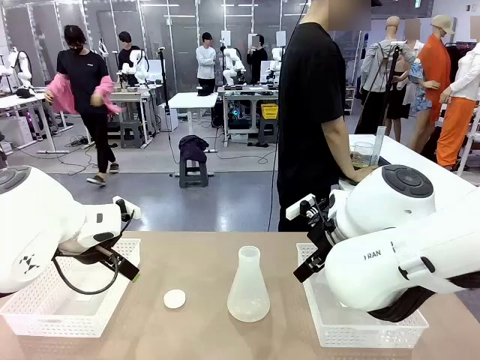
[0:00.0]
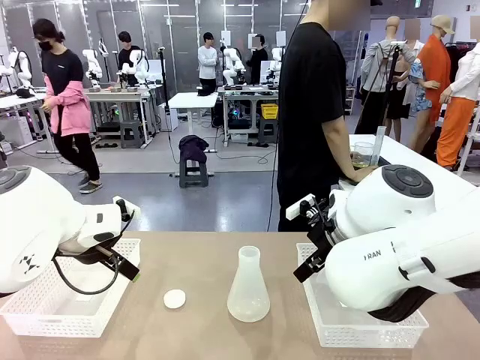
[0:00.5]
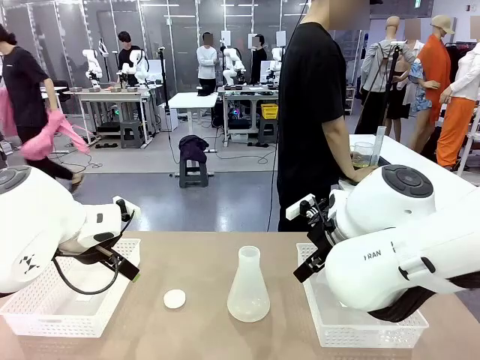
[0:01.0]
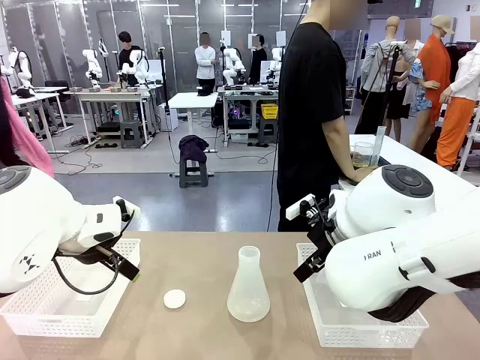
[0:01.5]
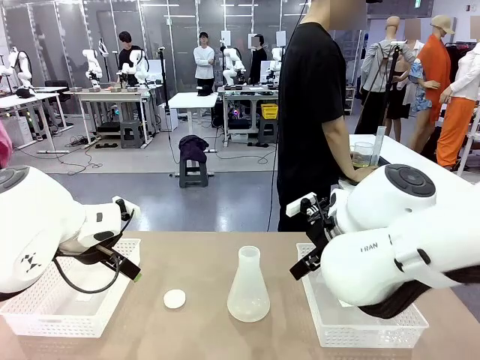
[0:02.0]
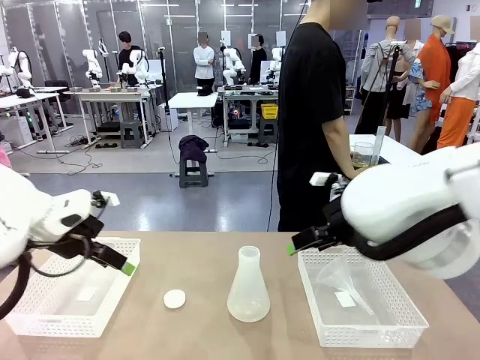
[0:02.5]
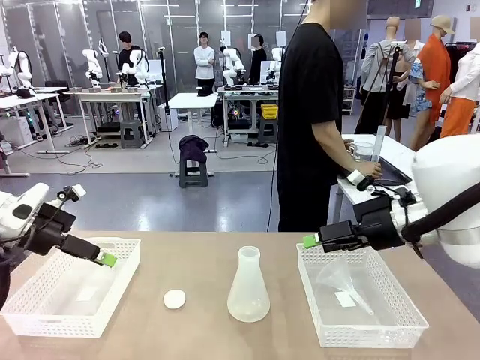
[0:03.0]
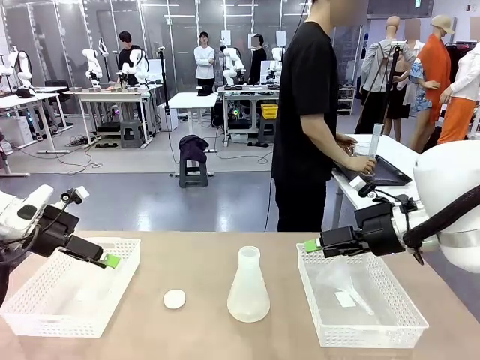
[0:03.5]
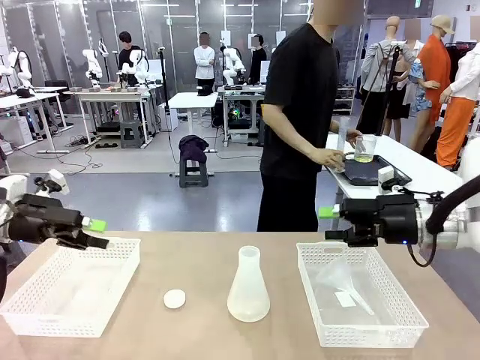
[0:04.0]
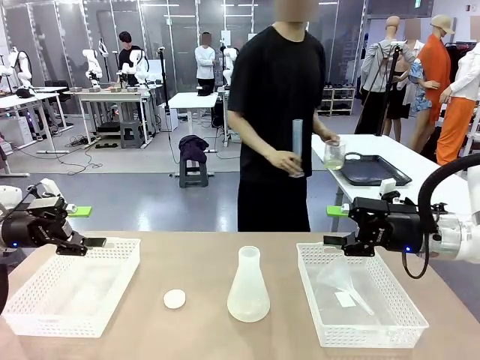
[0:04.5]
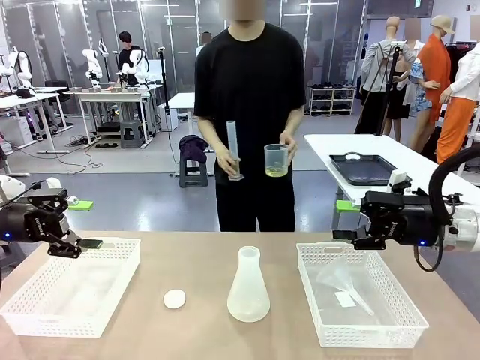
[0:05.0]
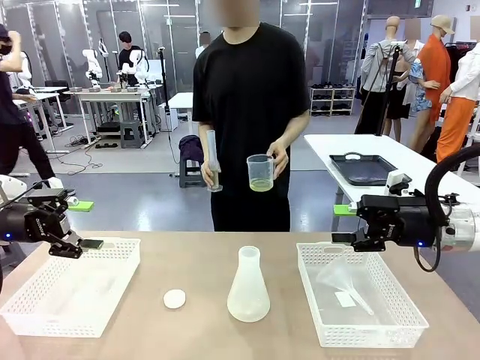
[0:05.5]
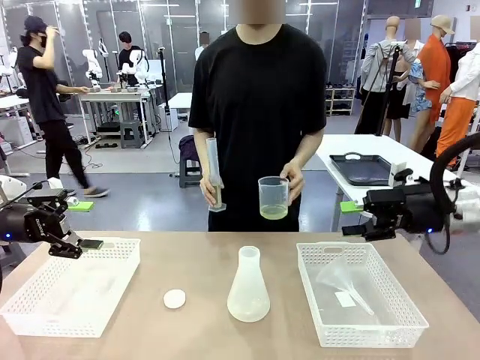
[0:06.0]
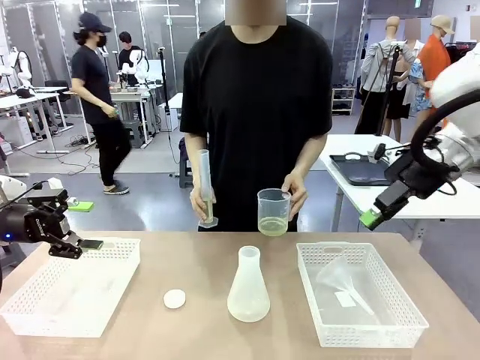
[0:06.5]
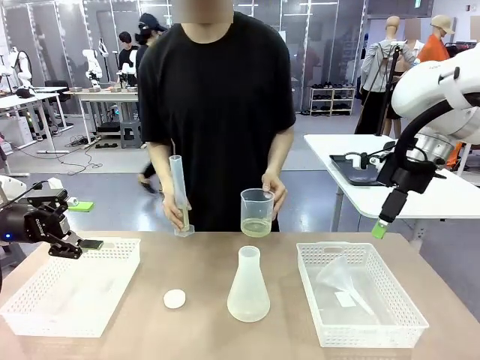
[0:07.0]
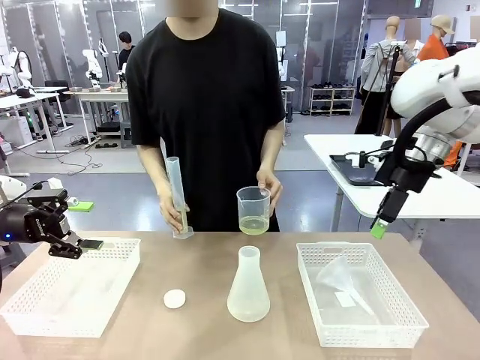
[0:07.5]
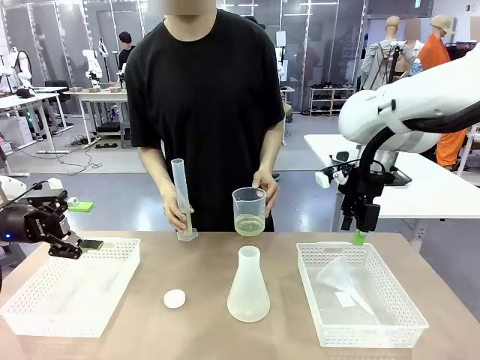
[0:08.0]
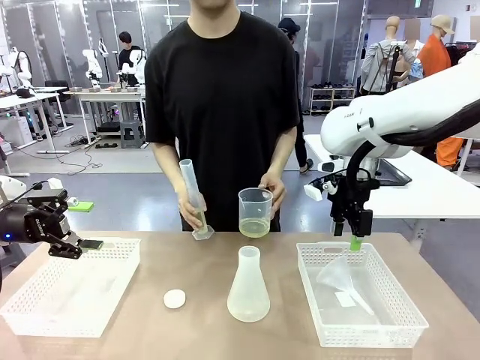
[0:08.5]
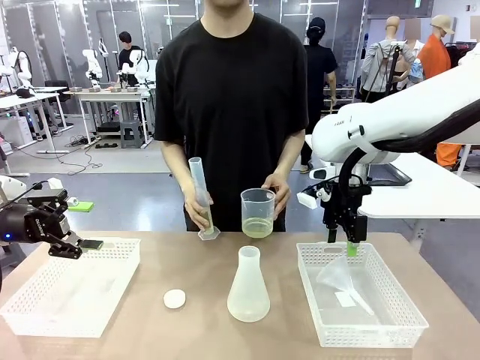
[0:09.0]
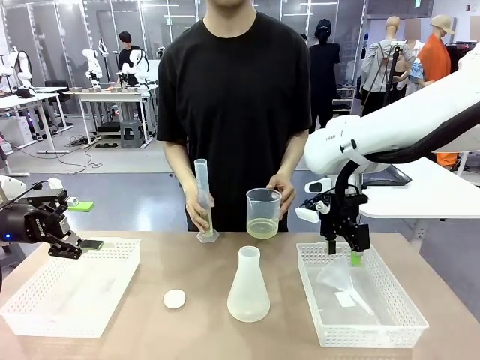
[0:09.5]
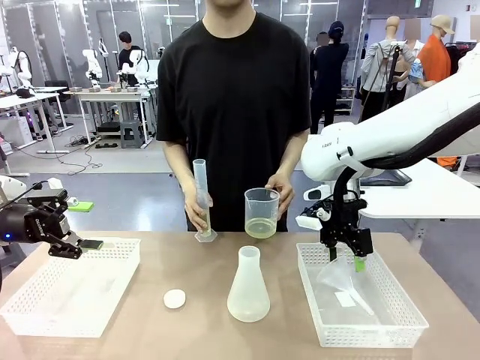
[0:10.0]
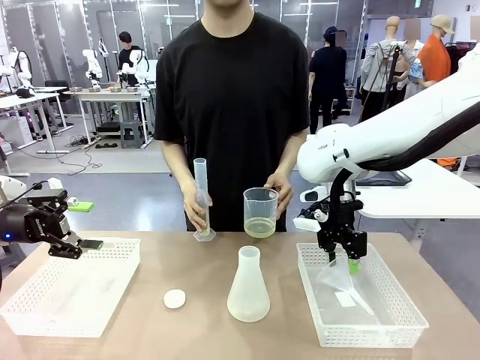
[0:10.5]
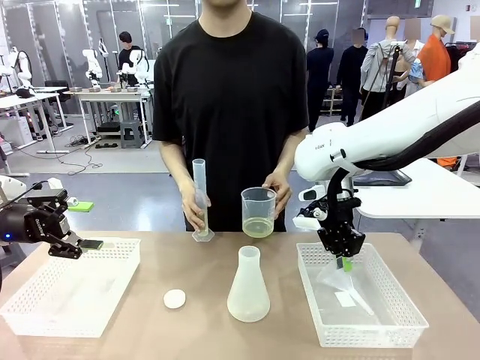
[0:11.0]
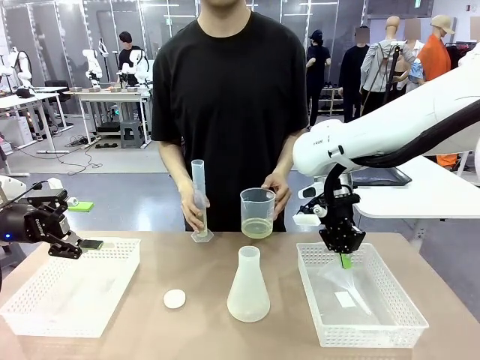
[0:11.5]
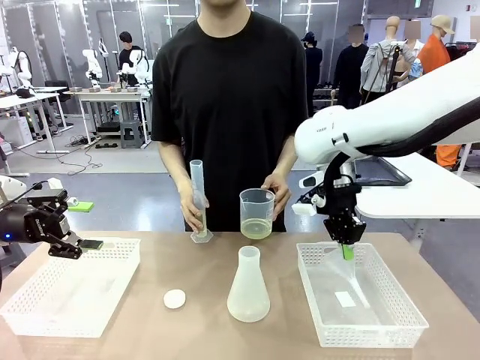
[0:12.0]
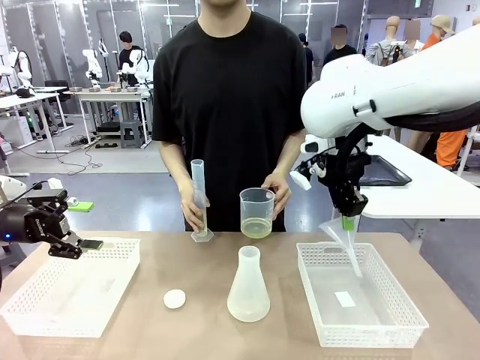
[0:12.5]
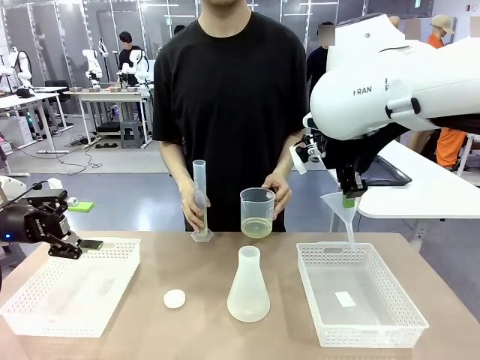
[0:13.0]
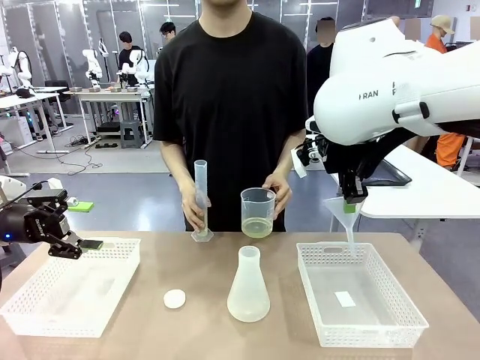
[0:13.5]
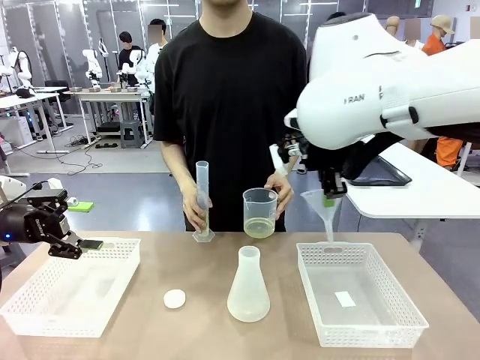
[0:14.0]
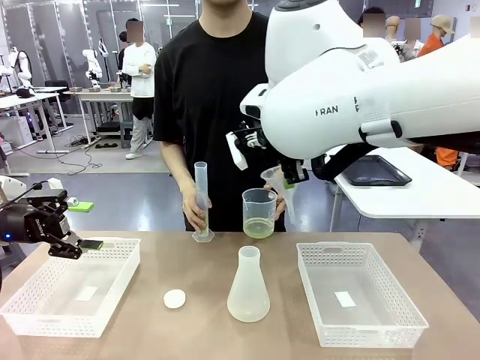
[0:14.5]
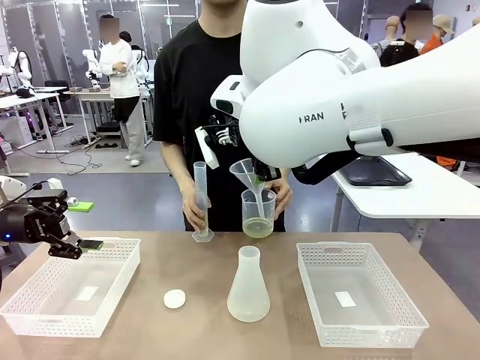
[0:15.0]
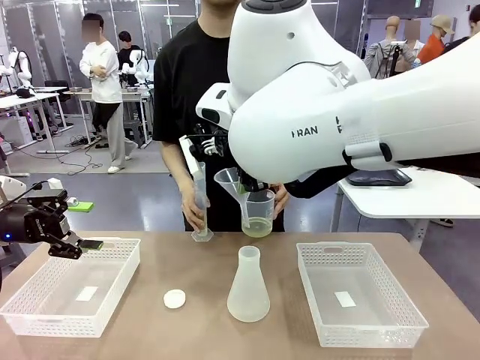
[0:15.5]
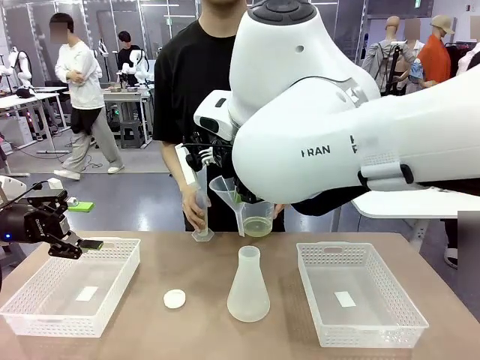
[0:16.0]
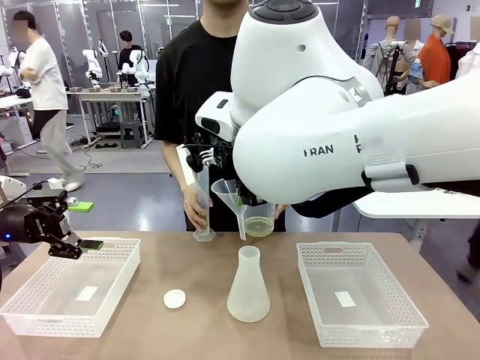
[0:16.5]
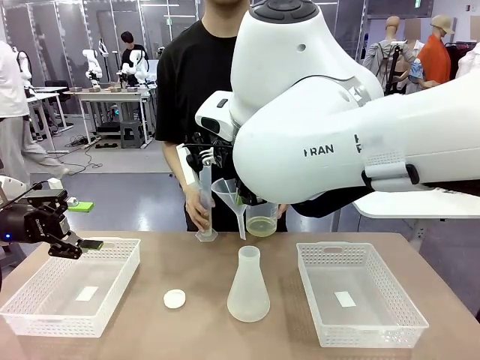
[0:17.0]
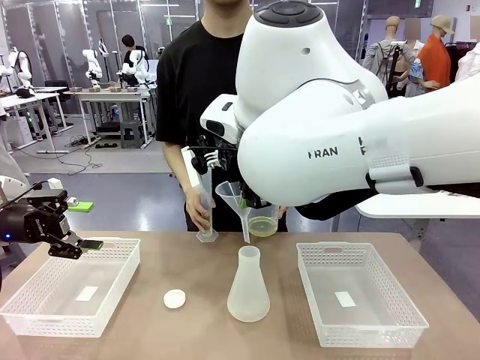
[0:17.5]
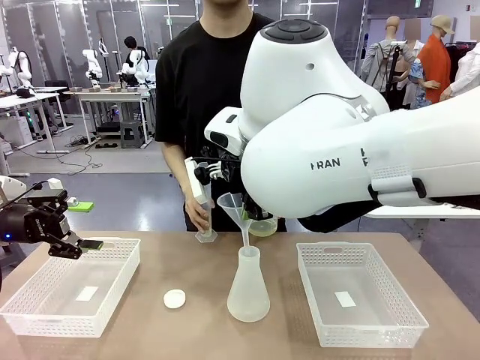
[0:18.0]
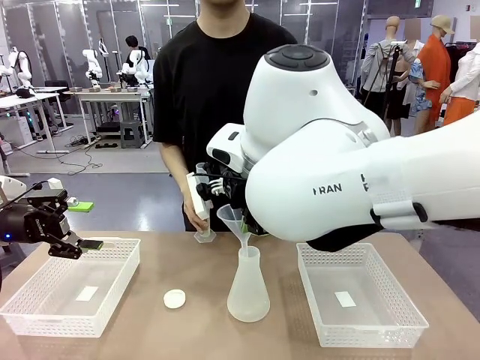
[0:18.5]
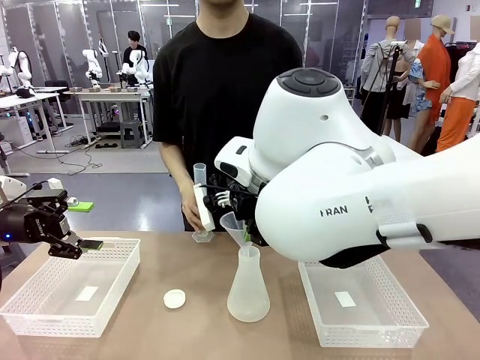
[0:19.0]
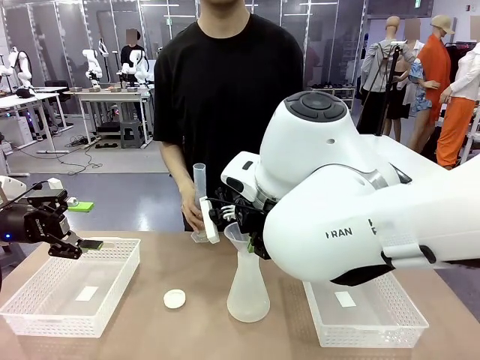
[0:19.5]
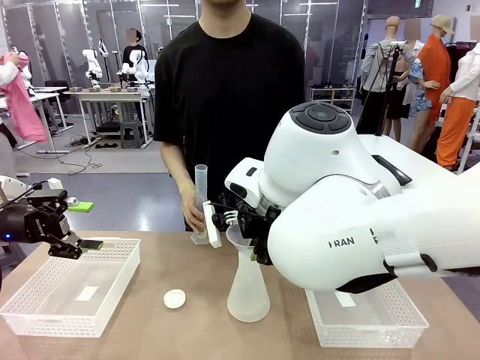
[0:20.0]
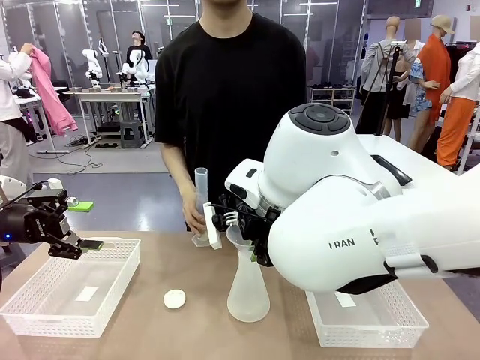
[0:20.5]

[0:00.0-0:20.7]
Task: Prepare the solutions needed for the experiment.
Robot: Pick up the Plastic Funnel and insert it into the Big flask.
Person: Pick up the beaker and the cylinder and move to the middle of the robot table. Pour the solution from the beaker and the cylinder into the flask.

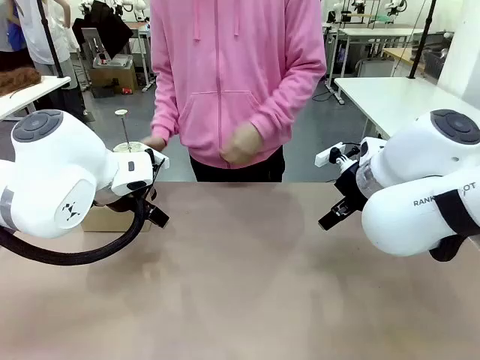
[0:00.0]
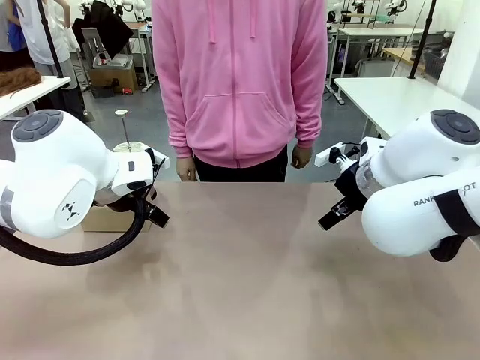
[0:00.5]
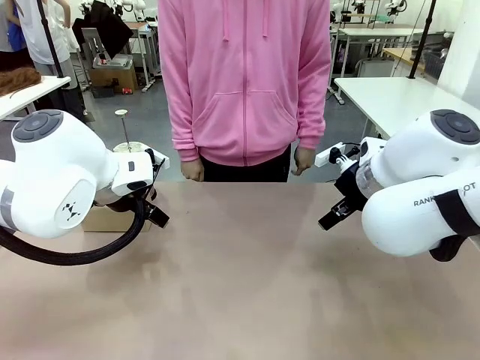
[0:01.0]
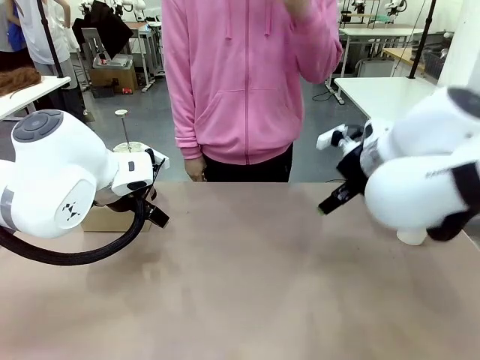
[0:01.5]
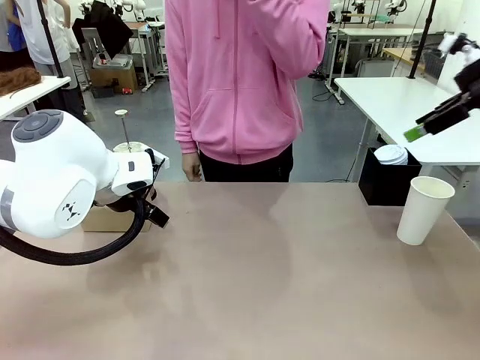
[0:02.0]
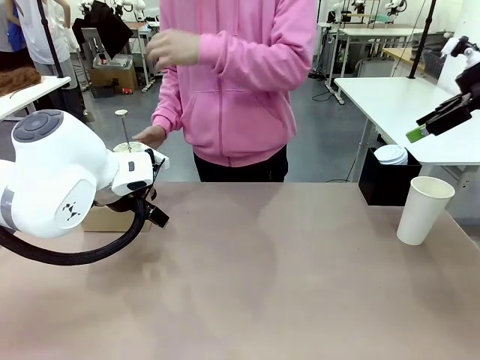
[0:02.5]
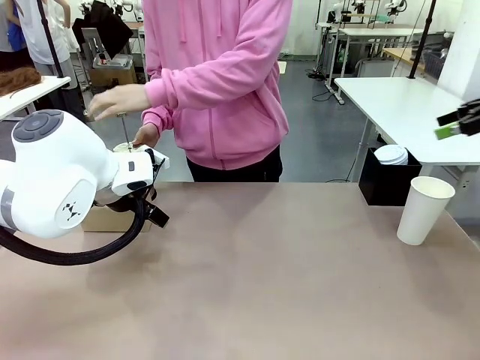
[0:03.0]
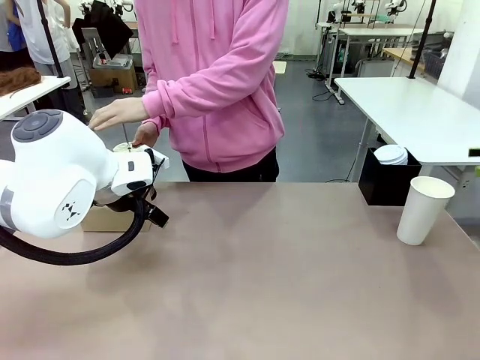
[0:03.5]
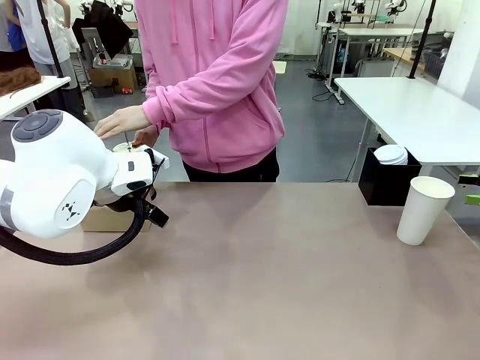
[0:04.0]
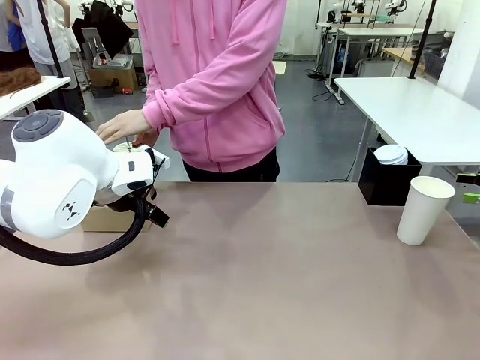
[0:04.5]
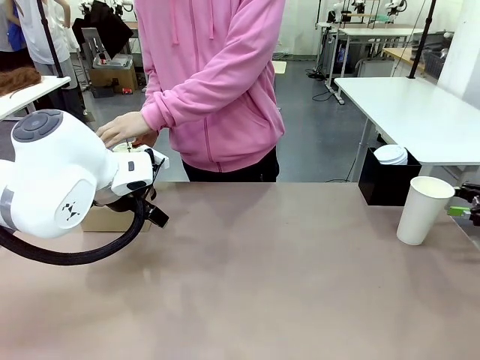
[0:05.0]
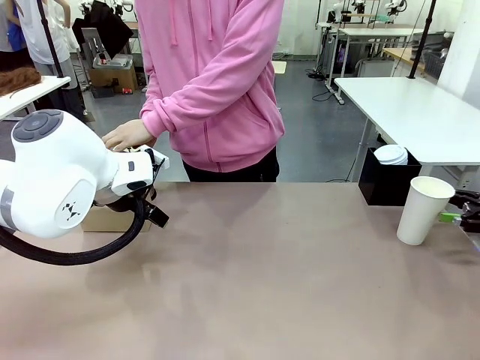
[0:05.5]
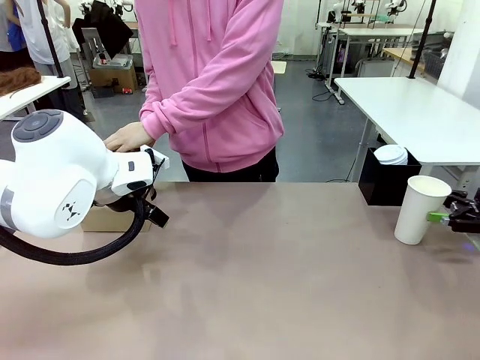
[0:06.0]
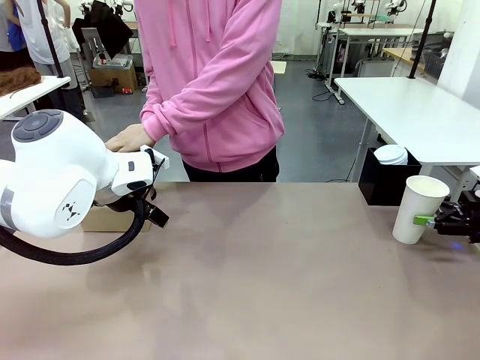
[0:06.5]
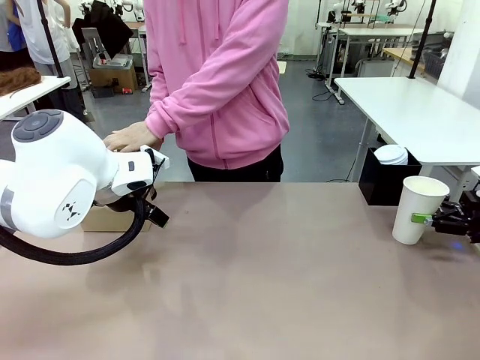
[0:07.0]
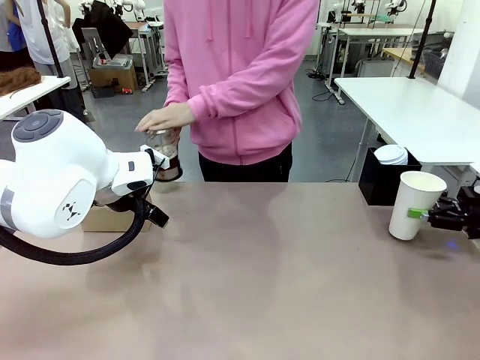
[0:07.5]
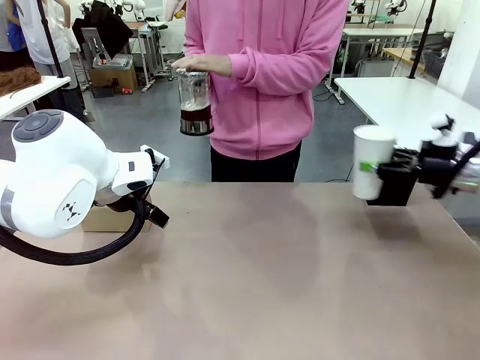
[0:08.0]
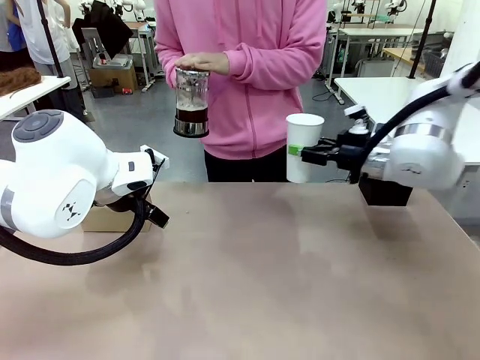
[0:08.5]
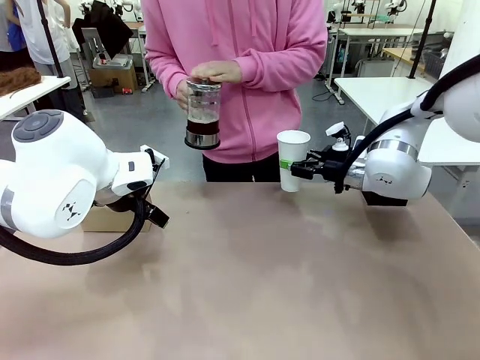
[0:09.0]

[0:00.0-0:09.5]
Task: Pour a drink into a cup and package it in a carrier.
Robot: Pick up the 600 ml Paper Cup and place it in the middle top area of the table.
Person: Press and pick up the Filter Brewing.
